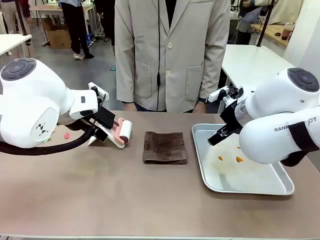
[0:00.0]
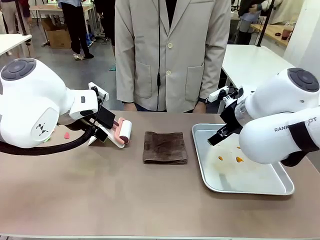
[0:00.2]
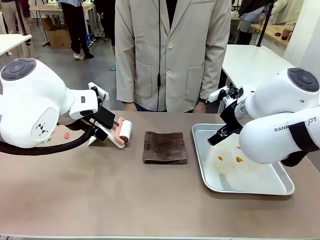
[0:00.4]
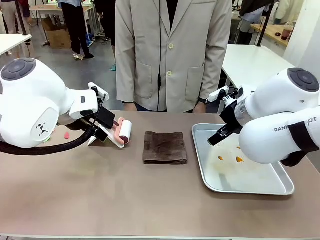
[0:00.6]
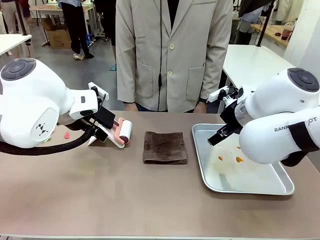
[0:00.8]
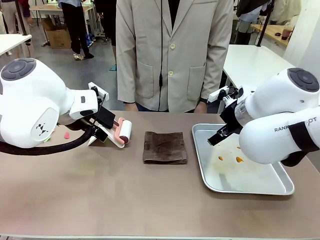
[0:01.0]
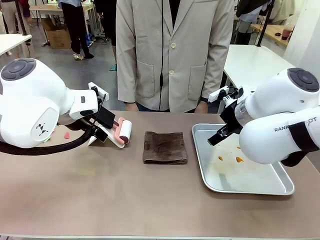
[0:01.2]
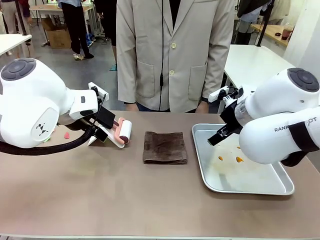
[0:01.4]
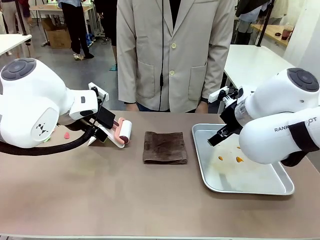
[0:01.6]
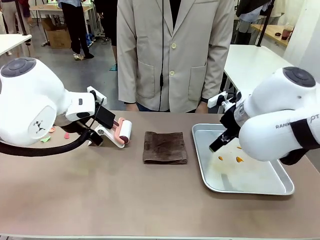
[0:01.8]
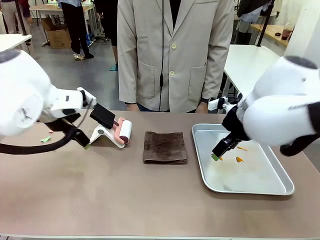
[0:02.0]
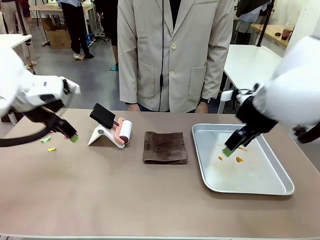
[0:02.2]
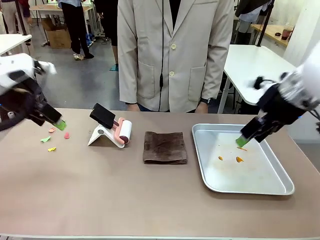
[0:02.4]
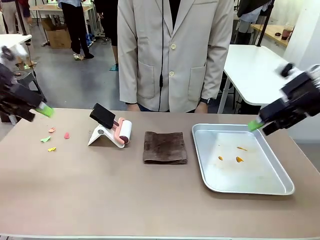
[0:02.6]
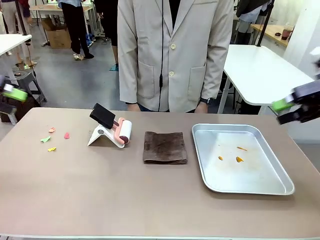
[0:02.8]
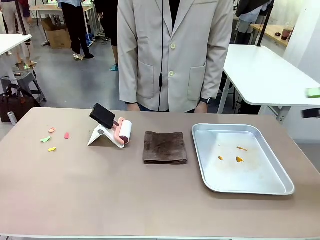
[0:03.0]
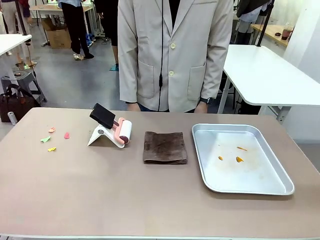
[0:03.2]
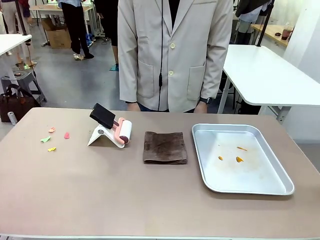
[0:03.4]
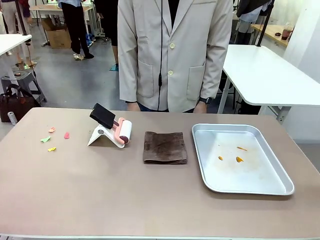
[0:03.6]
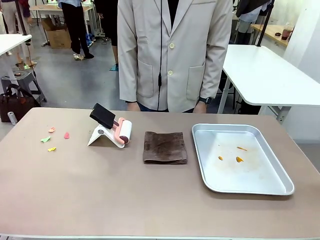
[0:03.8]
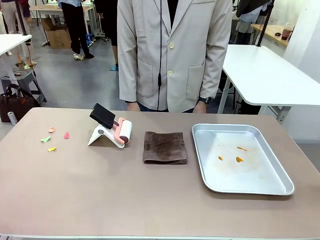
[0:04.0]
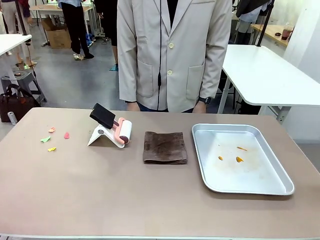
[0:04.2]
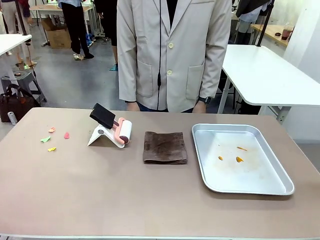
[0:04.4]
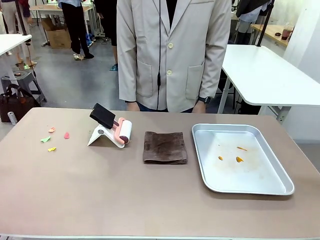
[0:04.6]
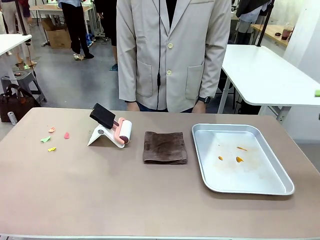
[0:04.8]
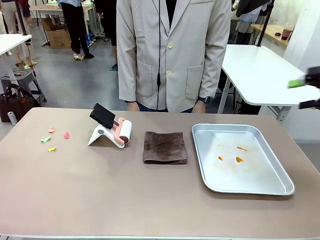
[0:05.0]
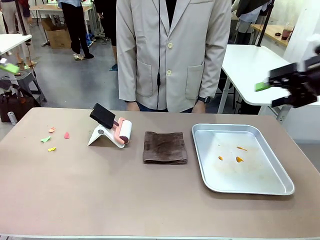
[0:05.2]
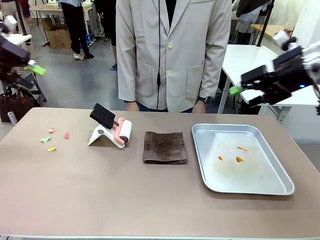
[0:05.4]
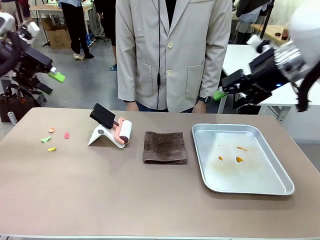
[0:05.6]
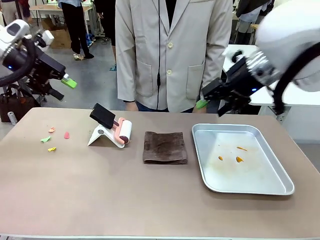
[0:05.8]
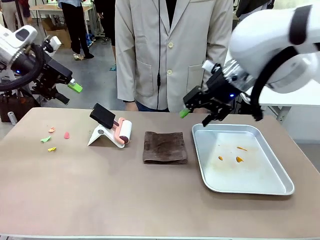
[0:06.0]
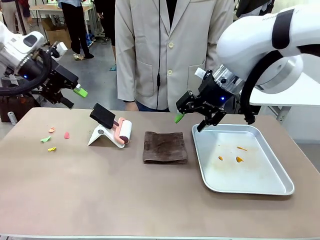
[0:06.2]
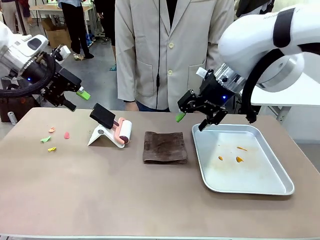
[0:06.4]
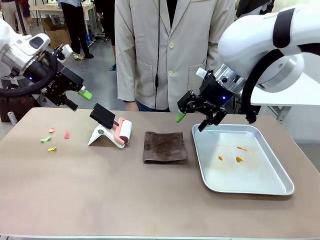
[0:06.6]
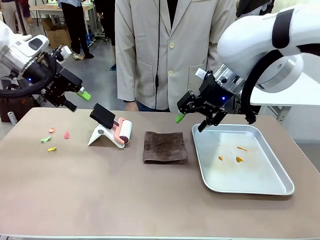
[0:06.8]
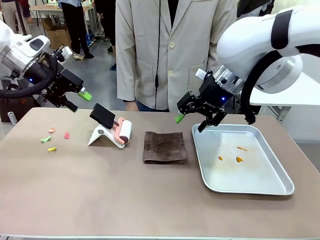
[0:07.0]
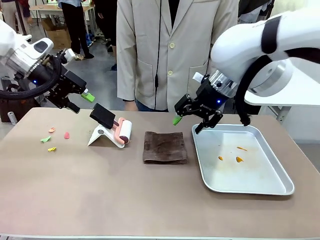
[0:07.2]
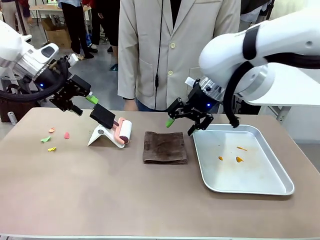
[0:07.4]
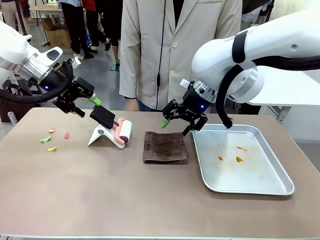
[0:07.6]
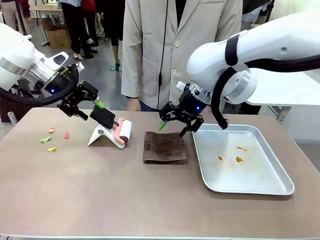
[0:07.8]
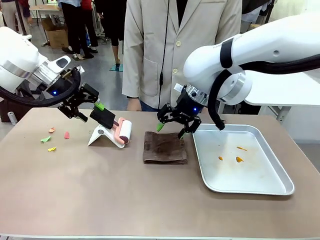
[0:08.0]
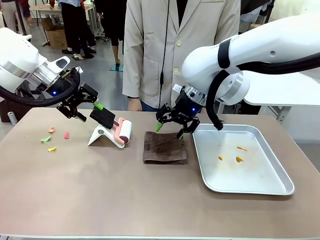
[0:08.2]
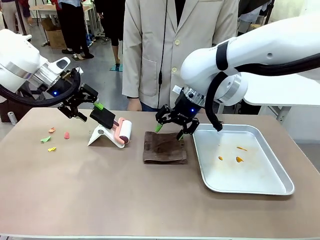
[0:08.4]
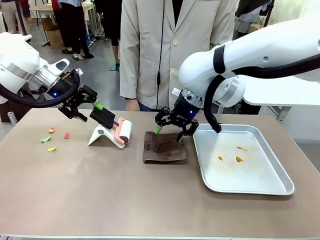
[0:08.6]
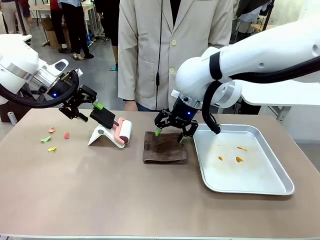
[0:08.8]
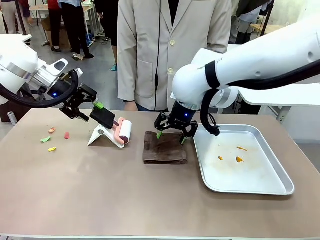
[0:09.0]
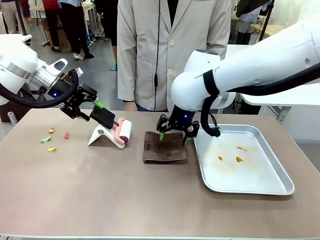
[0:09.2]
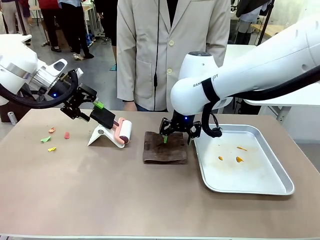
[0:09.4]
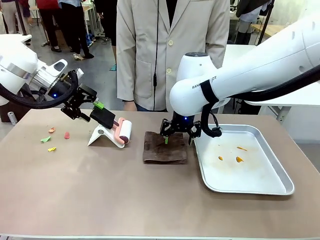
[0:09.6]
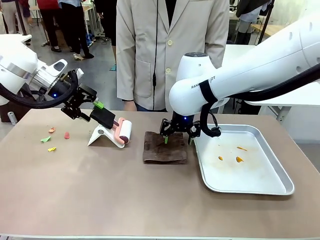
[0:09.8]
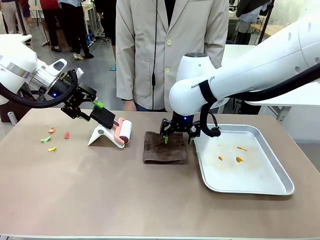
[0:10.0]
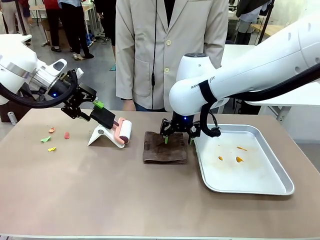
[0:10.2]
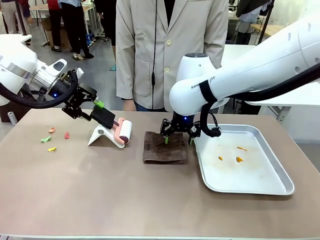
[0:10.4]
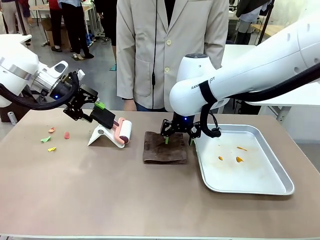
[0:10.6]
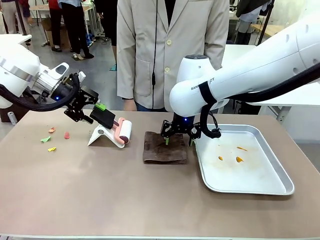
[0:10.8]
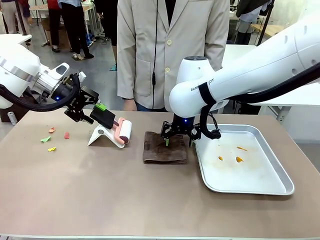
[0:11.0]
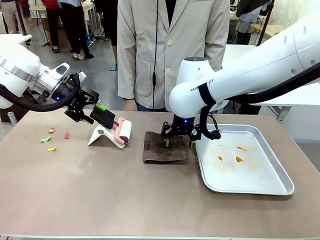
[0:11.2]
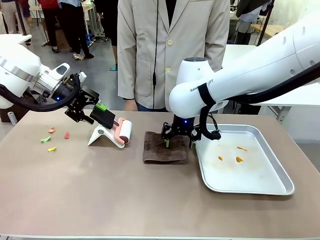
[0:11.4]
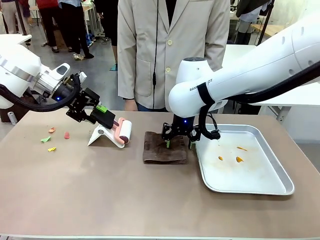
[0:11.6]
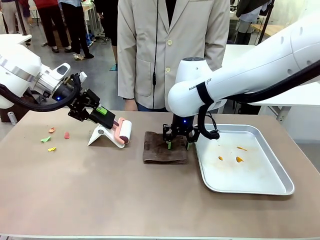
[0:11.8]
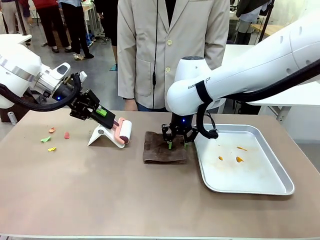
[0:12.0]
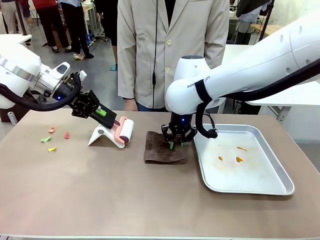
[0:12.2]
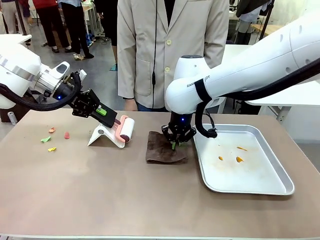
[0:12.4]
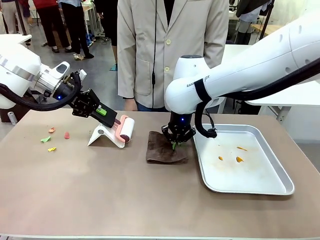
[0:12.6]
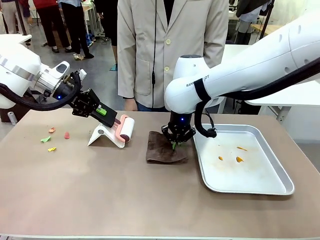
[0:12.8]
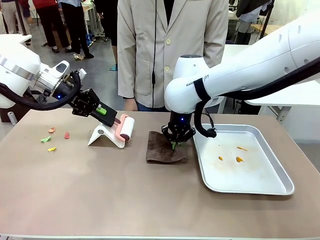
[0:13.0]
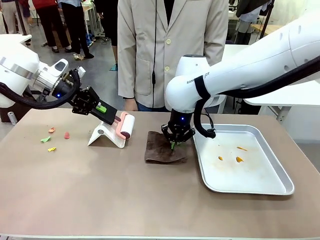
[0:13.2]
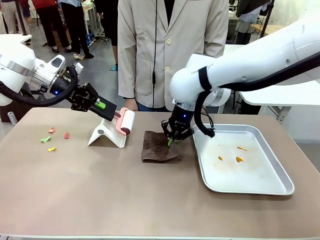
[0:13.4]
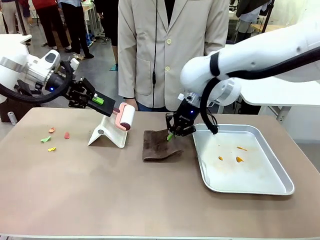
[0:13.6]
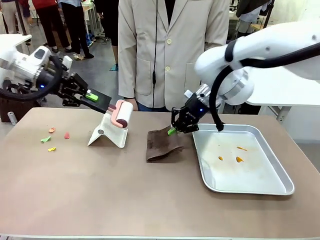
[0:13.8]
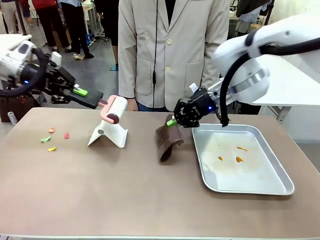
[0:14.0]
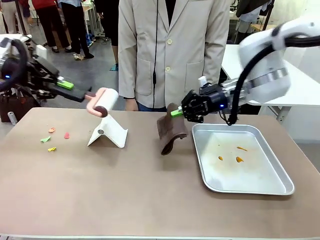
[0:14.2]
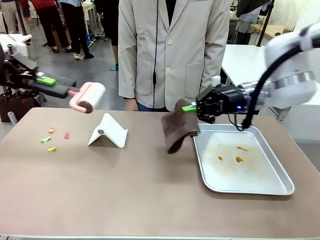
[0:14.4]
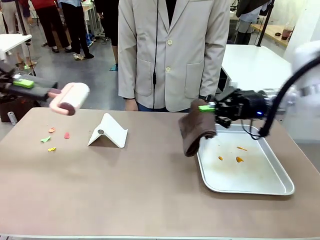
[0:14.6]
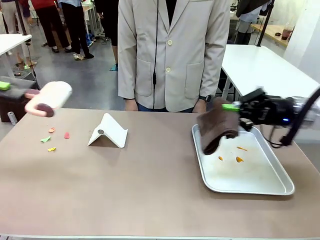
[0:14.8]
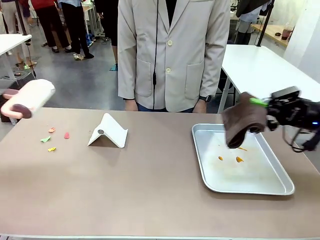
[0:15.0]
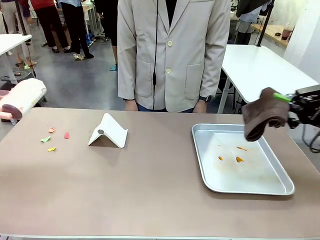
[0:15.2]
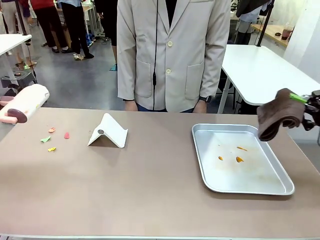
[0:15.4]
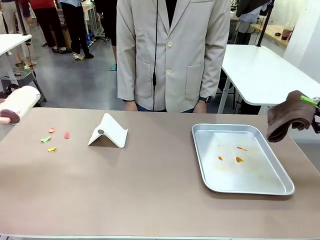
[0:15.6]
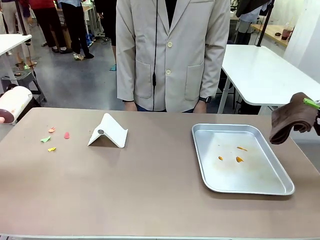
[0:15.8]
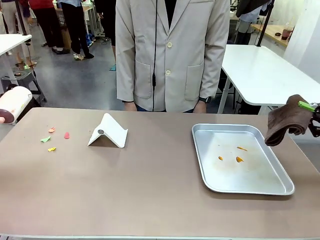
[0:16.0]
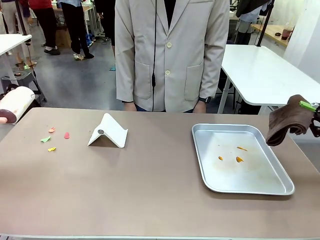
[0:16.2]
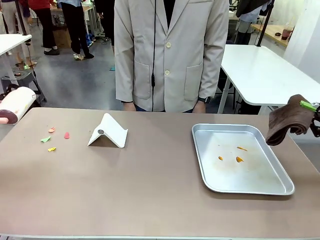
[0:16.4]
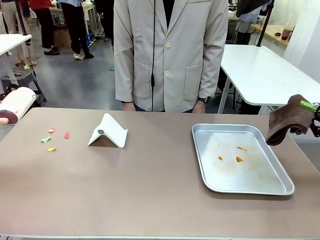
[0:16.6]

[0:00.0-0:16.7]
Task: Clean the surface of the table.
Robot: Hold the Lint Roller with your left hand and the towel with your right hand.
